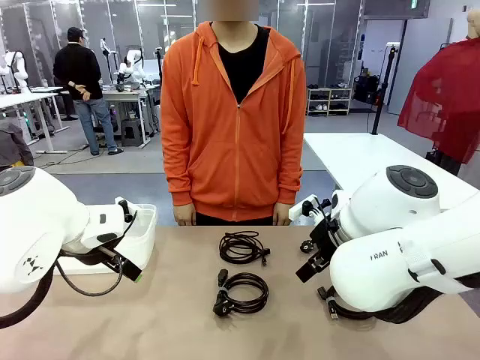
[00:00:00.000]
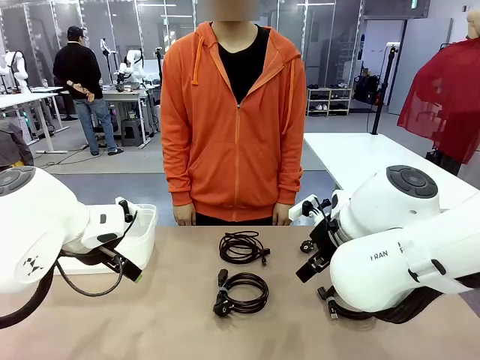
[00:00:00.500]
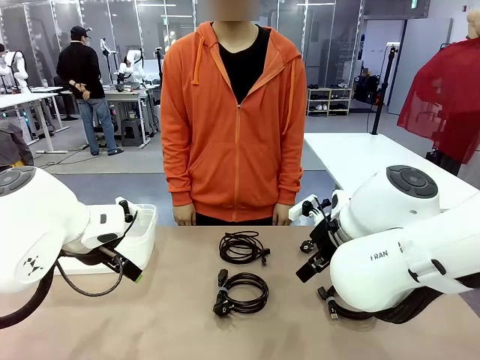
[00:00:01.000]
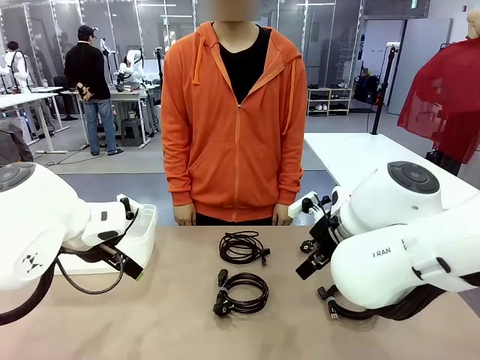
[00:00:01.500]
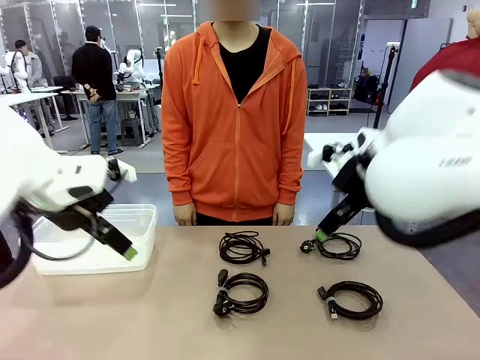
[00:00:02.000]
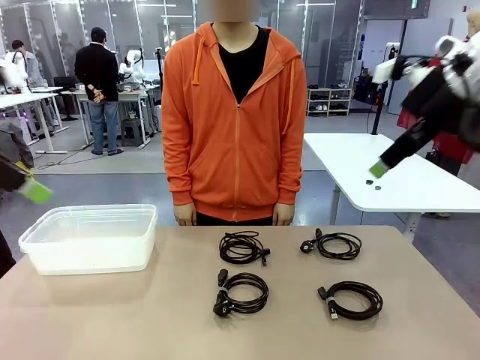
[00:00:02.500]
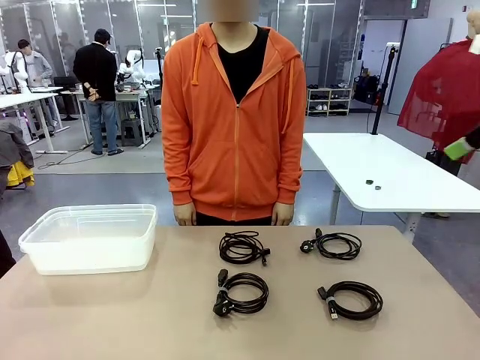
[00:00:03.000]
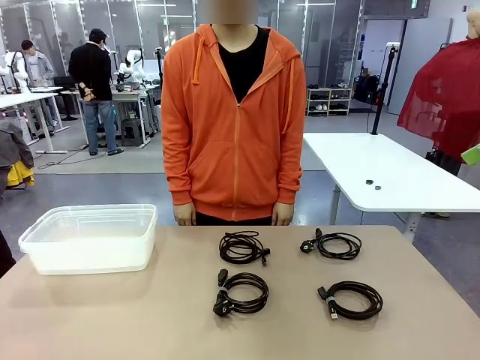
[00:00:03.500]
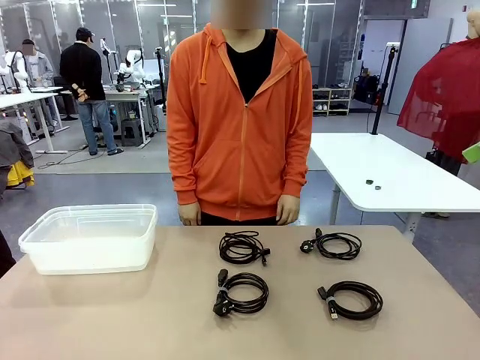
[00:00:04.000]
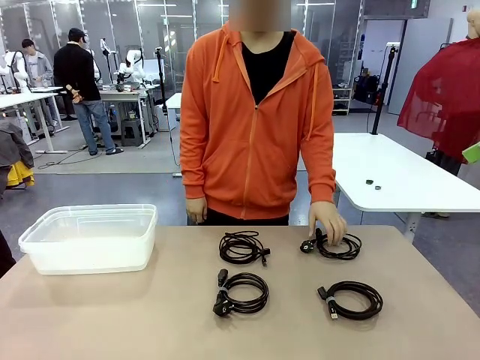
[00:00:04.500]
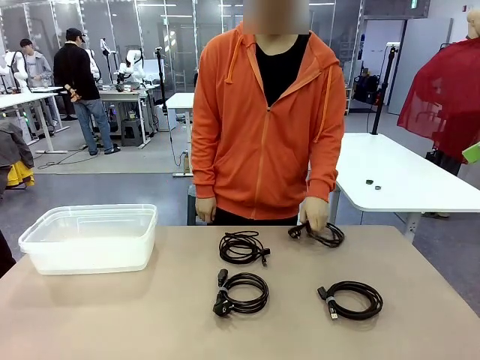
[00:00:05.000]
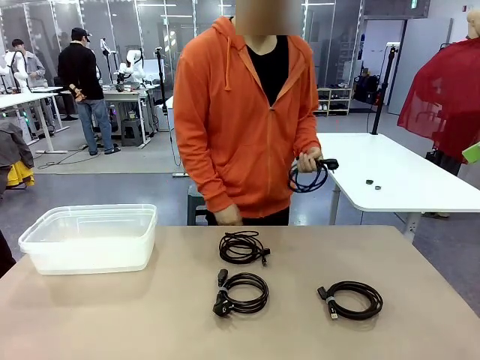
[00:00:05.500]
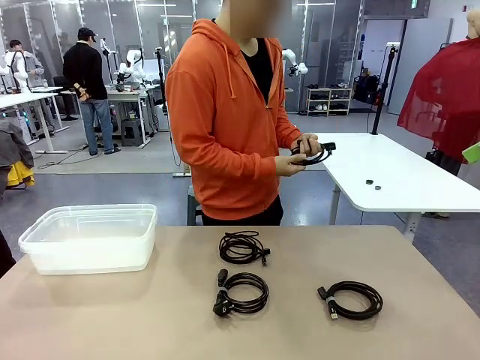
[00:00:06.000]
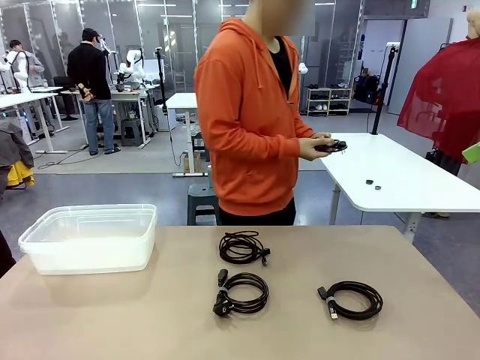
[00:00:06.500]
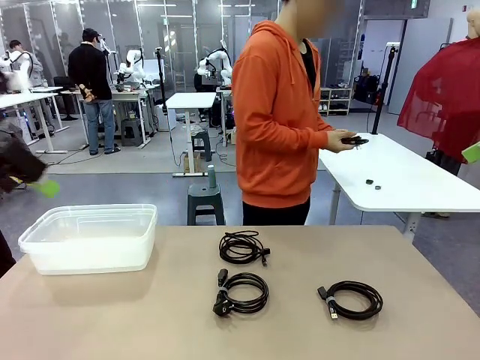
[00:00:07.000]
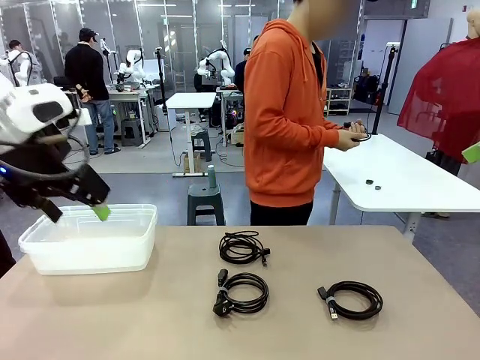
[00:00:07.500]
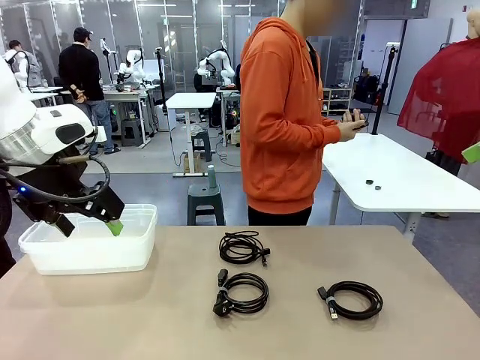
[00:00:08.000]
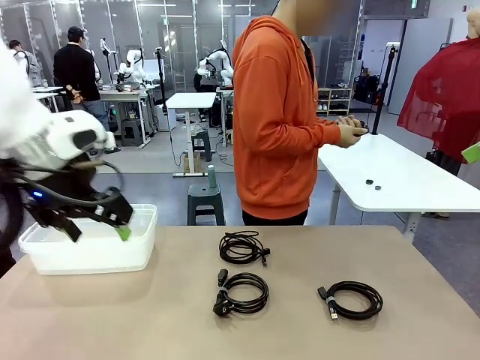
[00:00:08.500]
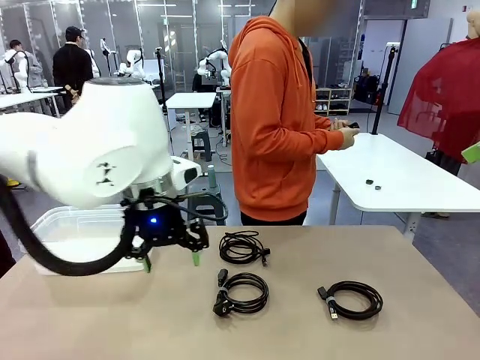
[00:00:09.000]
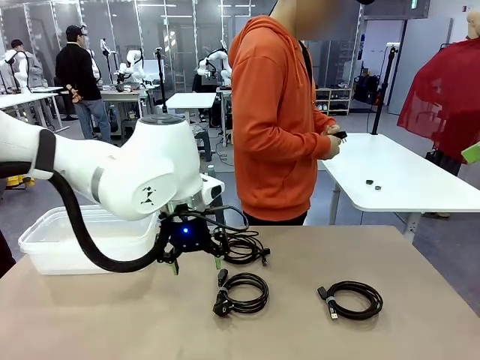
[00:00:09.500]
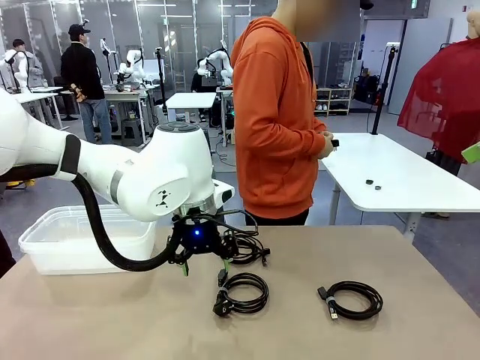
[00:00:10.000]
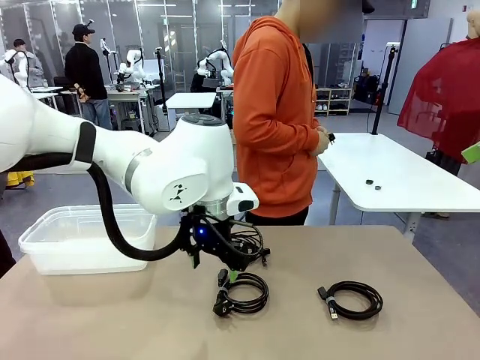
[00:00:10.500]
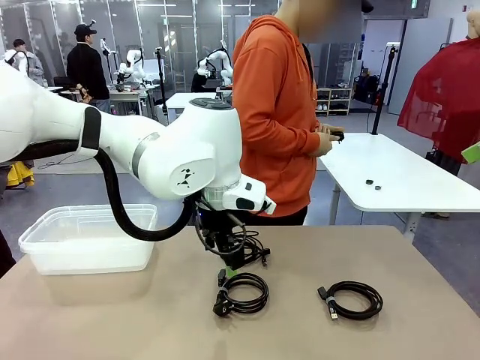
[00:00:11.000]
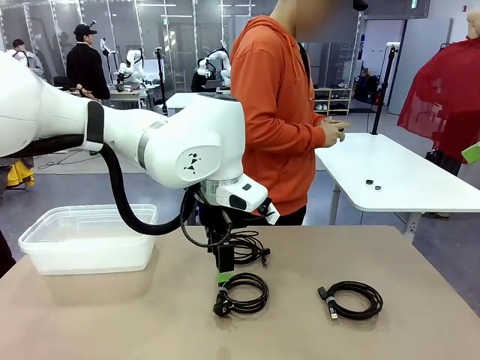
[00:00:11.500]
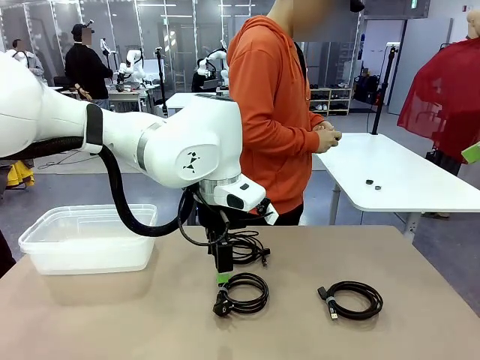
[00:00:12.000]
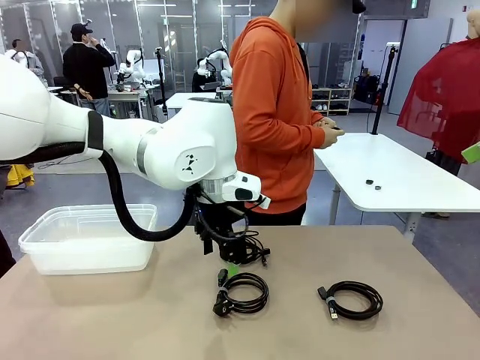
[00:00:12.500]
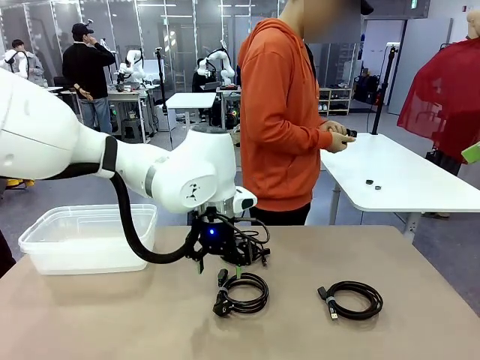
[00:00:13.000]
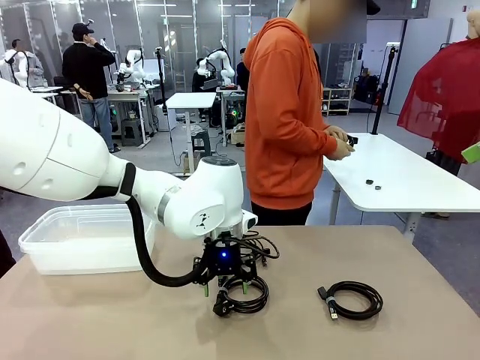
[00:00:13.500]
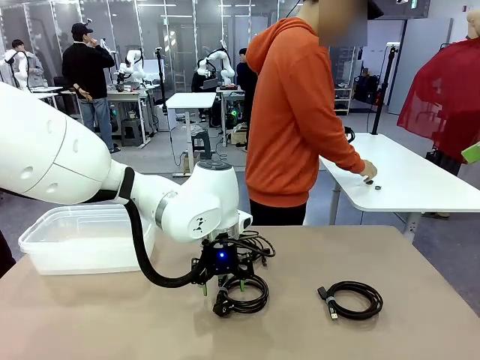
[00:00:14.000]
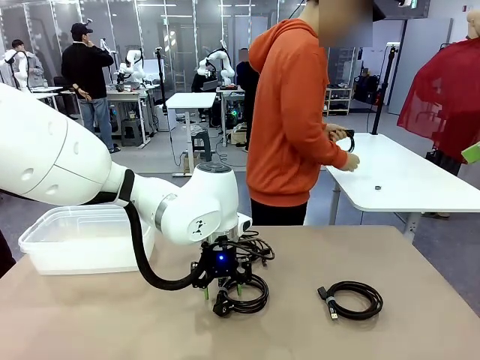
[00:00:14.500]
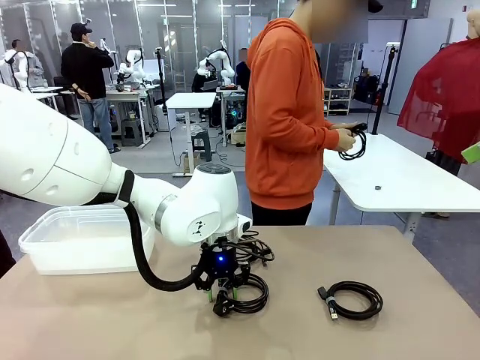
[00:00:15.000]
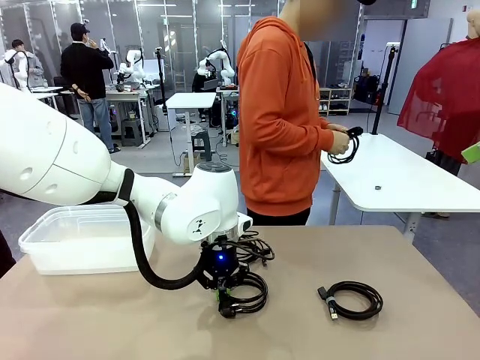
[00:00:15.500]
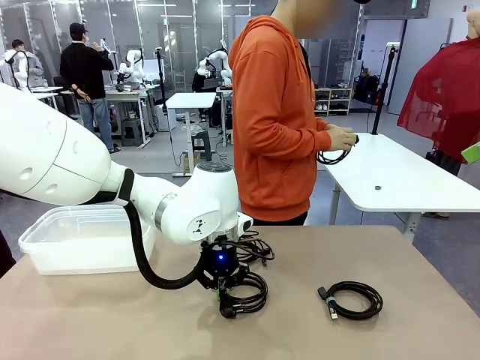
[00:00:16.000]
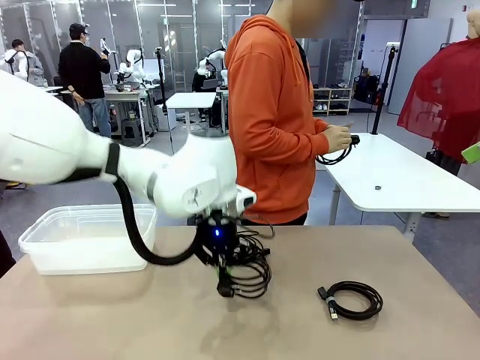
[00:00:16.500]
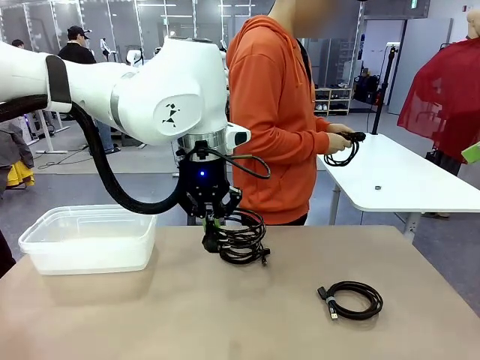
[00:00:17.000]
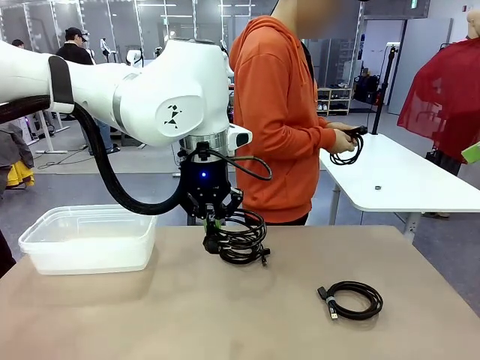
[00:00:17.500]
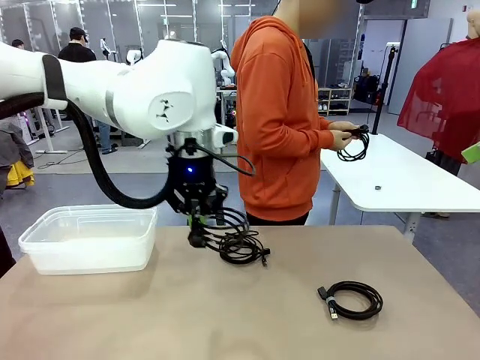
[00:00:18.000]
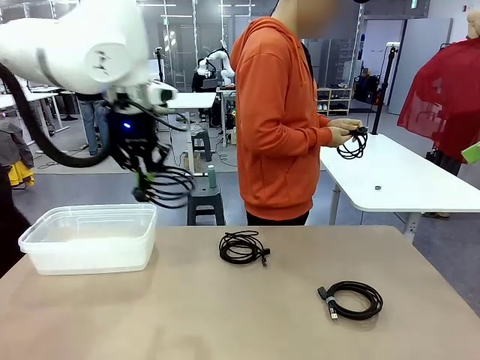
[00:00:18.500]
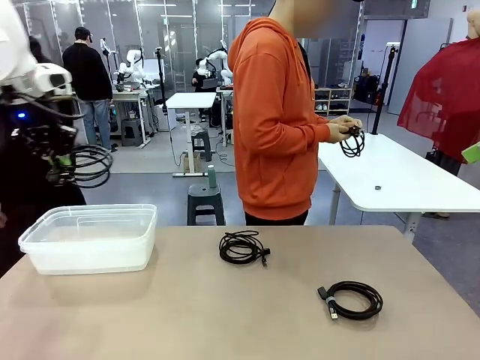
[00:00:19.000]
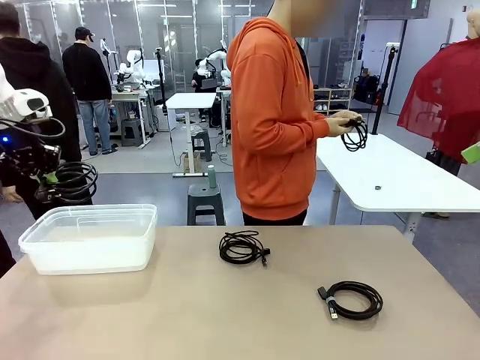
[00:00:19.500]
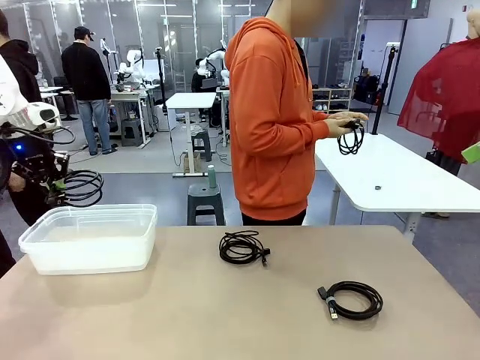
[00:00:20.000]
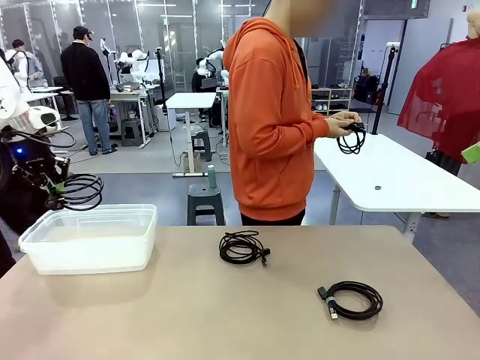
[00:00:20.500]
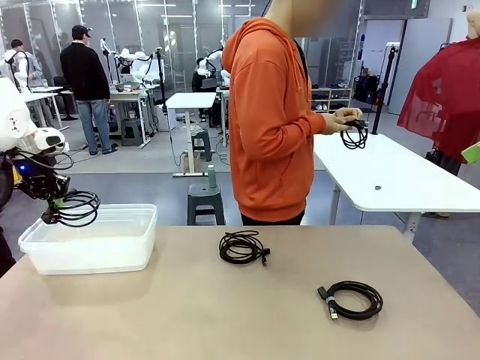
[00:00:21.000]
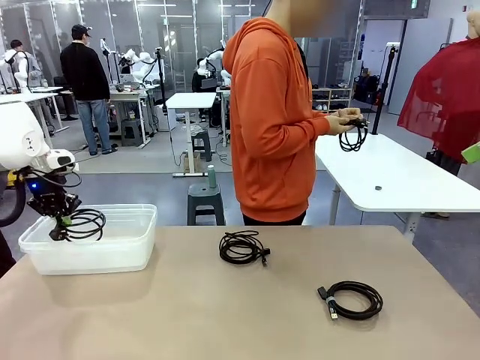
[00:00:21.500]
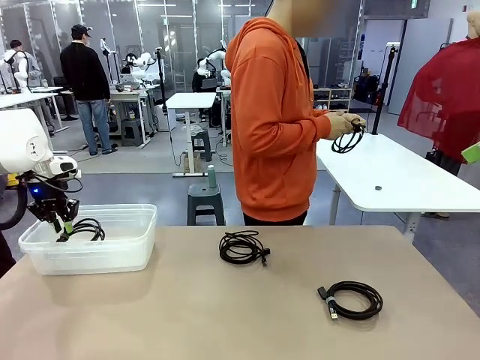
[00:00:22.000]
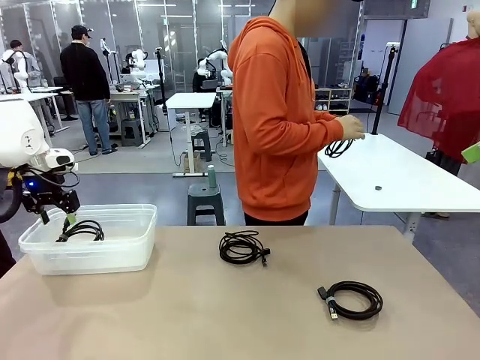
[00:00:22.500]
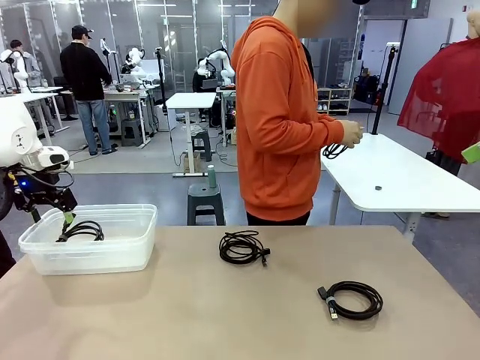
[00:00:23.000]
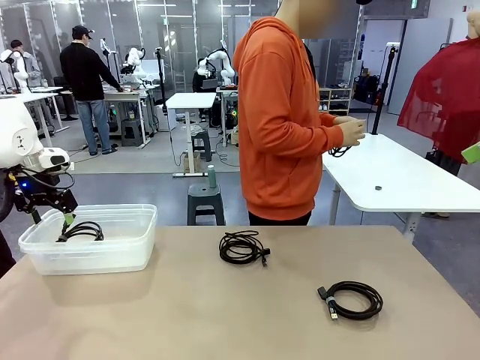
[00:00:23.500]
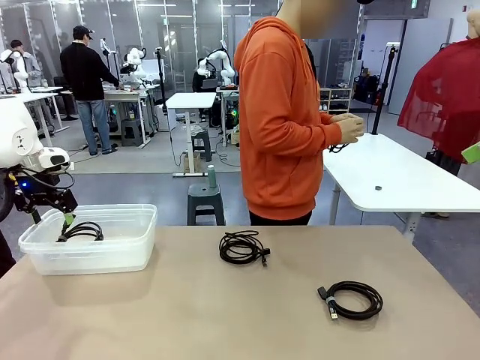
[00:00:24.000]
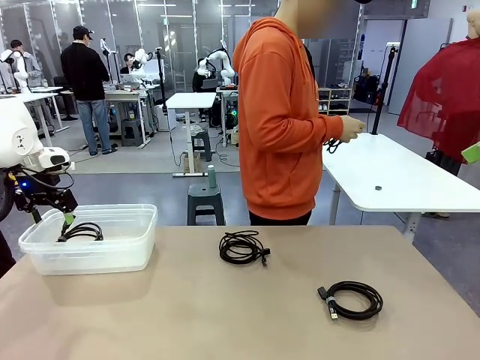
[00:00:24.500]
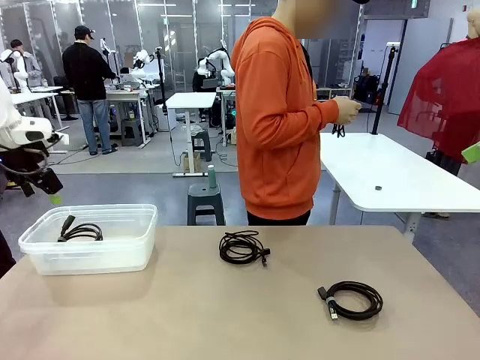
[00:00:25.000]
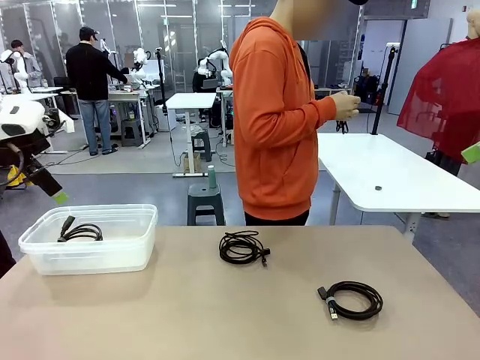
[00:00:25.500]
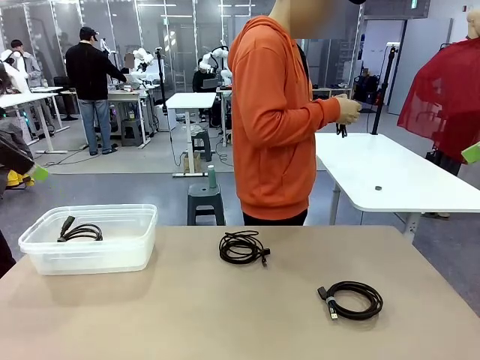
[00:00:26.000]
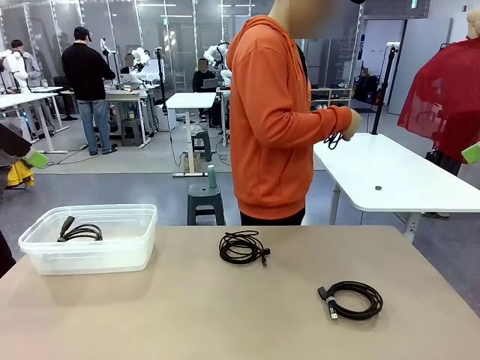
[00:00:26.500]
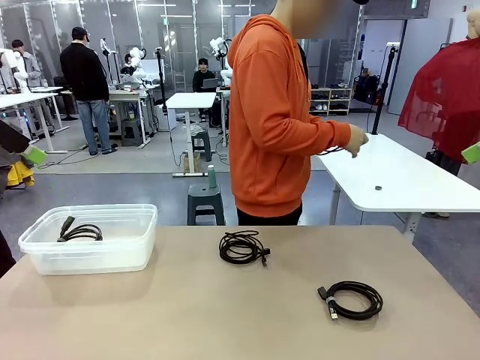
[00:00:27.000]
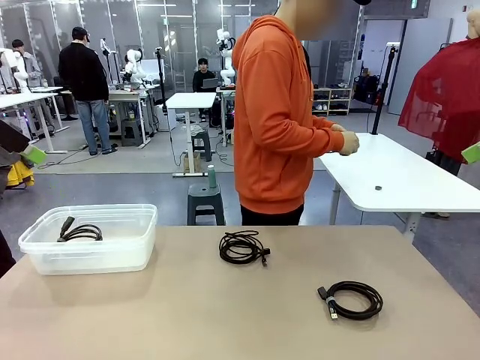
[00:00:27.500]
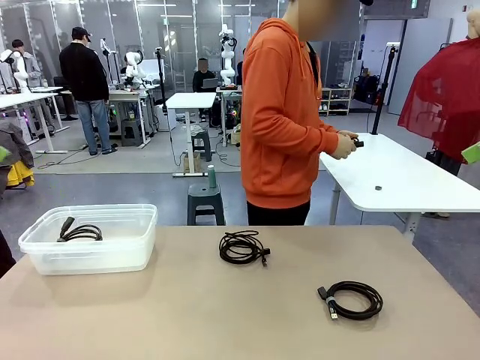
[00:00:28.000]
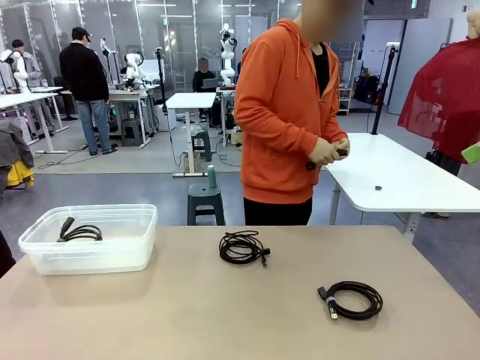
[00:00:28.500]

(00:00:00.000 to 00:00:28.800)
Task: Organize and store the cables.
Robot: Place the Power Cable into the Organizing box.
Person: Tie one Power Cable with a Reusable Cable Tie.
